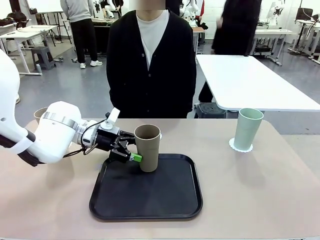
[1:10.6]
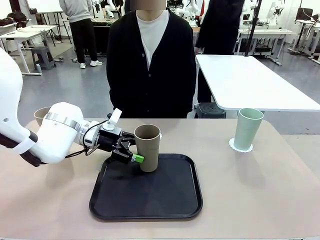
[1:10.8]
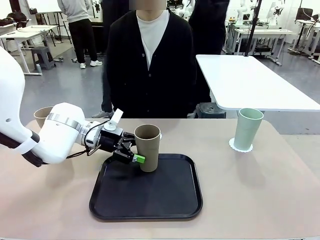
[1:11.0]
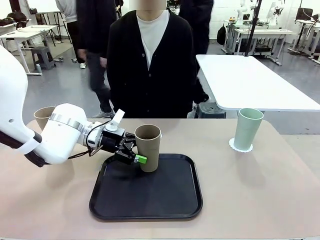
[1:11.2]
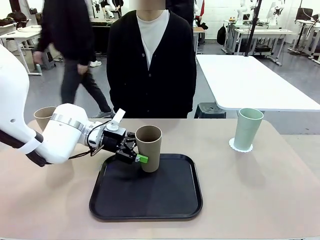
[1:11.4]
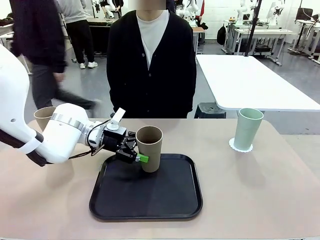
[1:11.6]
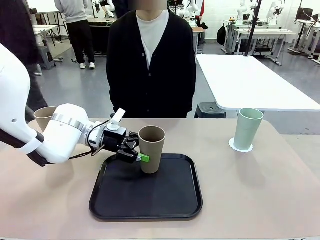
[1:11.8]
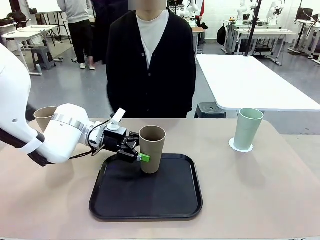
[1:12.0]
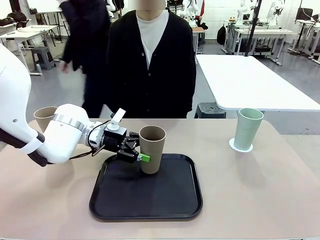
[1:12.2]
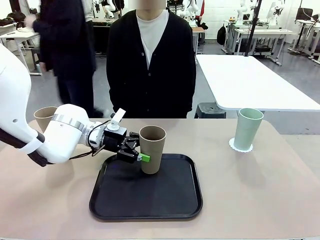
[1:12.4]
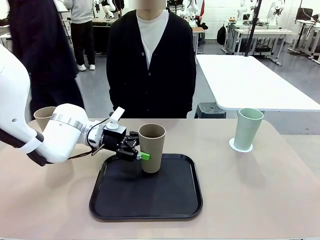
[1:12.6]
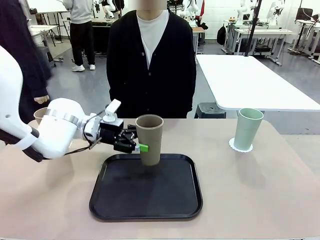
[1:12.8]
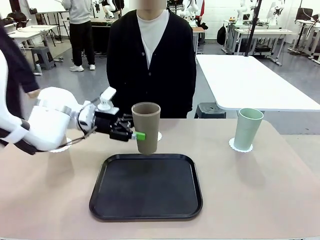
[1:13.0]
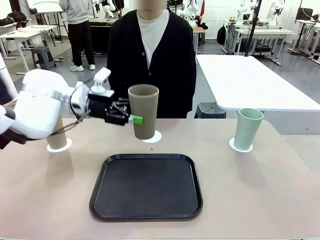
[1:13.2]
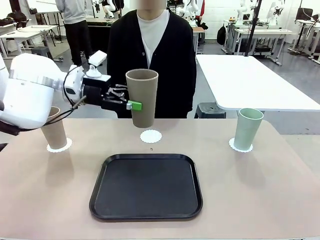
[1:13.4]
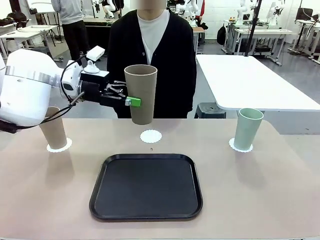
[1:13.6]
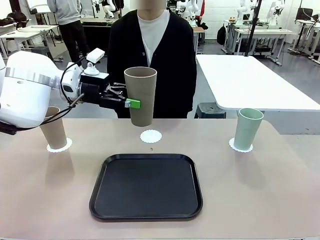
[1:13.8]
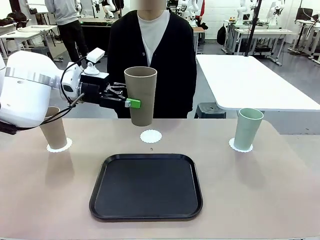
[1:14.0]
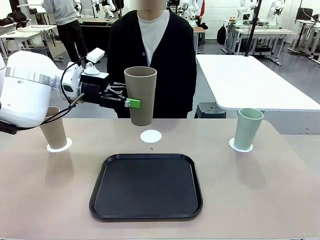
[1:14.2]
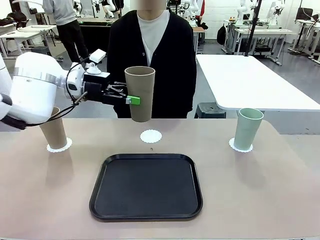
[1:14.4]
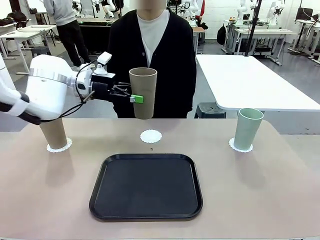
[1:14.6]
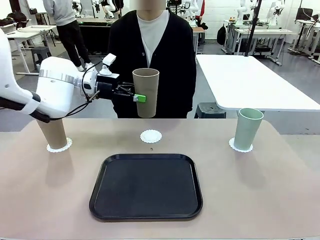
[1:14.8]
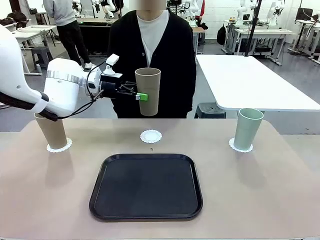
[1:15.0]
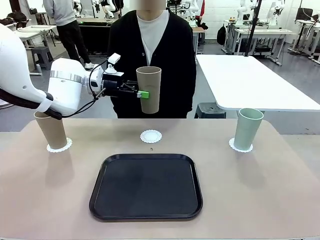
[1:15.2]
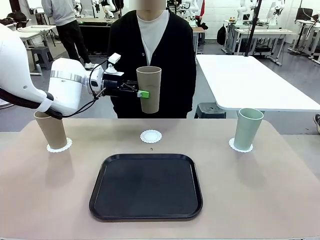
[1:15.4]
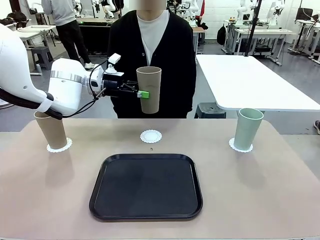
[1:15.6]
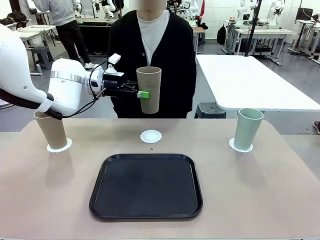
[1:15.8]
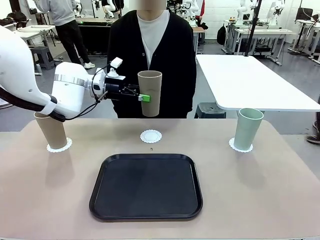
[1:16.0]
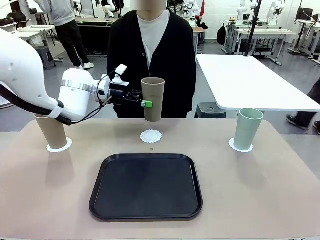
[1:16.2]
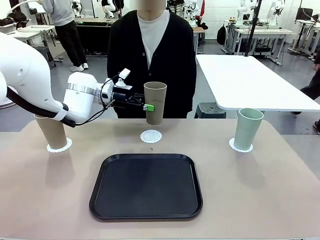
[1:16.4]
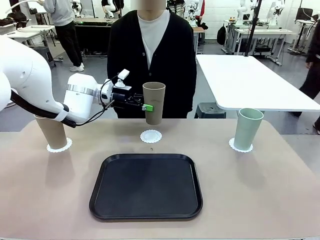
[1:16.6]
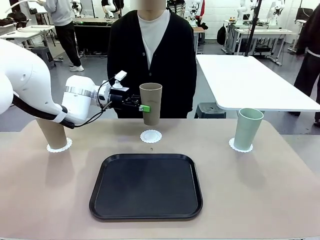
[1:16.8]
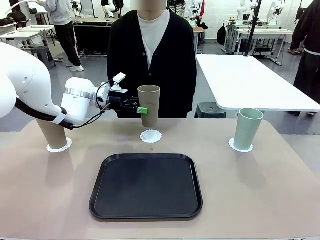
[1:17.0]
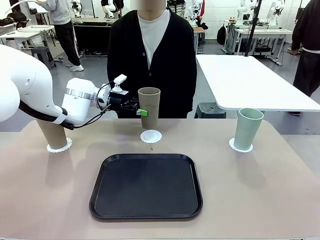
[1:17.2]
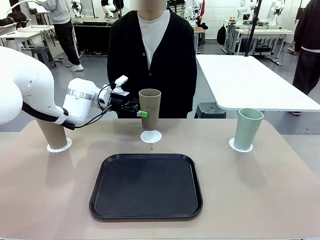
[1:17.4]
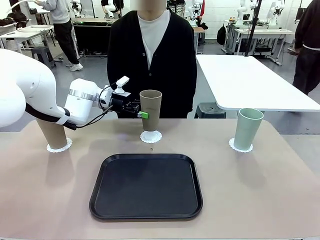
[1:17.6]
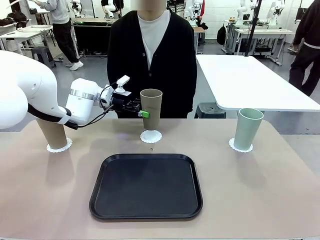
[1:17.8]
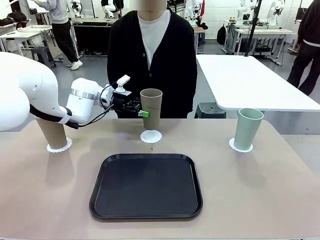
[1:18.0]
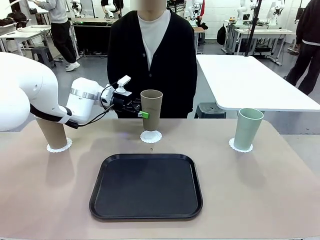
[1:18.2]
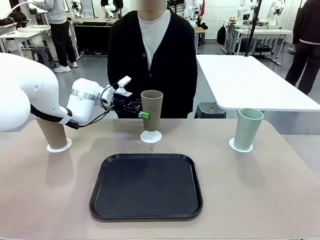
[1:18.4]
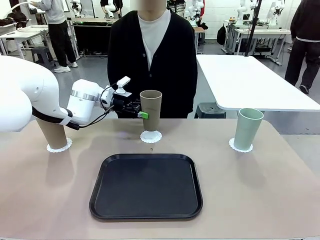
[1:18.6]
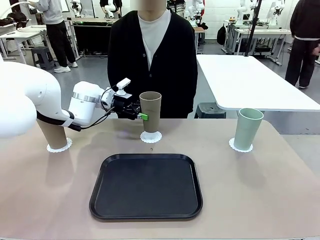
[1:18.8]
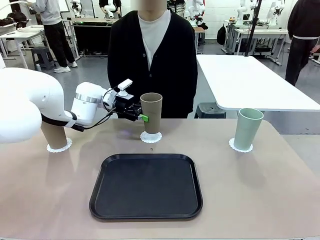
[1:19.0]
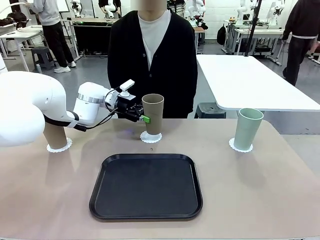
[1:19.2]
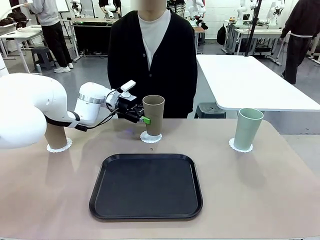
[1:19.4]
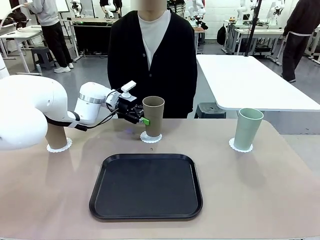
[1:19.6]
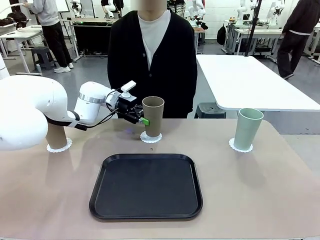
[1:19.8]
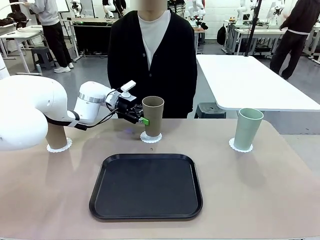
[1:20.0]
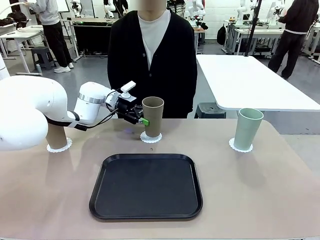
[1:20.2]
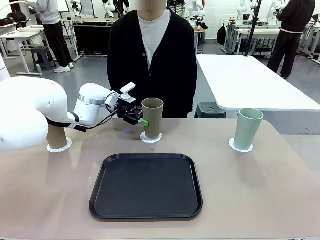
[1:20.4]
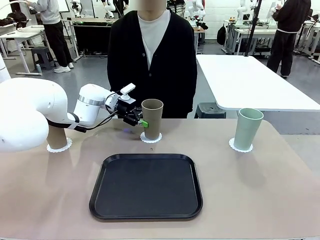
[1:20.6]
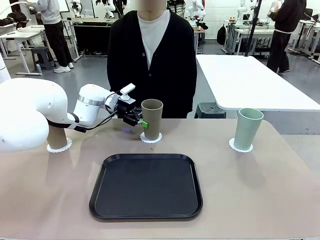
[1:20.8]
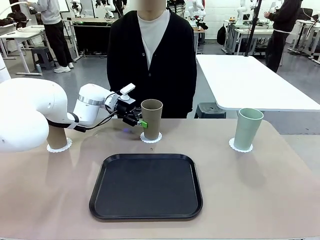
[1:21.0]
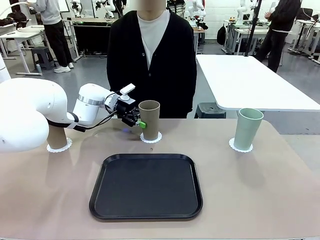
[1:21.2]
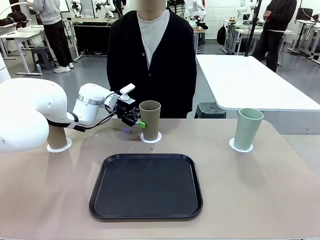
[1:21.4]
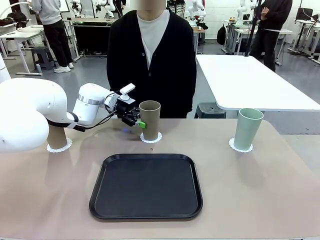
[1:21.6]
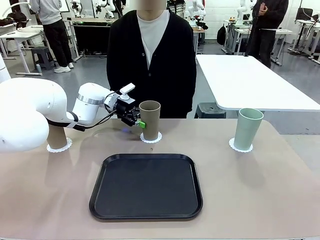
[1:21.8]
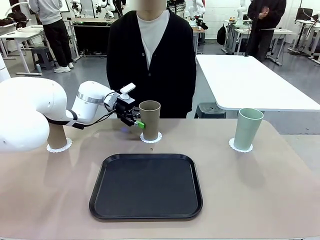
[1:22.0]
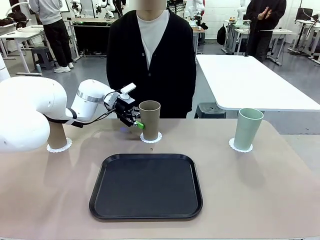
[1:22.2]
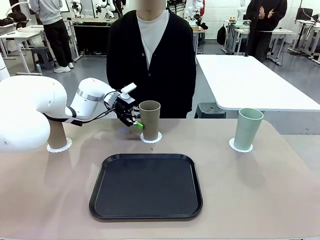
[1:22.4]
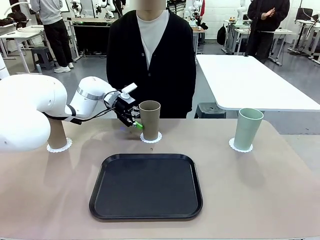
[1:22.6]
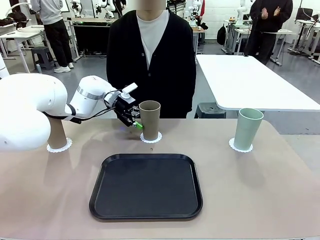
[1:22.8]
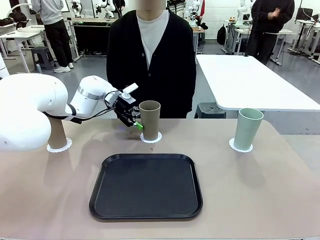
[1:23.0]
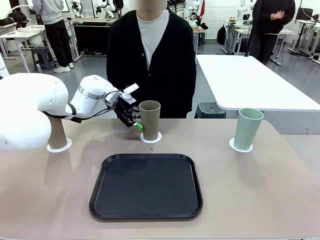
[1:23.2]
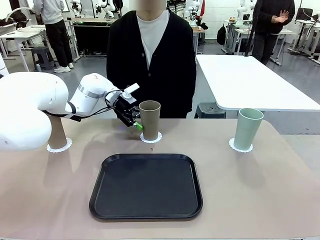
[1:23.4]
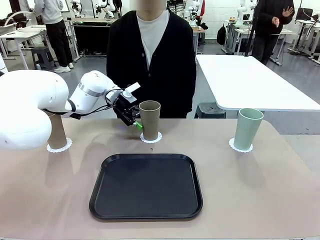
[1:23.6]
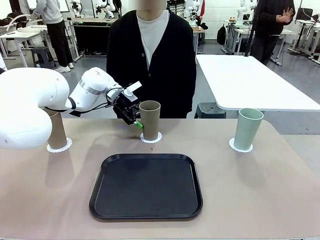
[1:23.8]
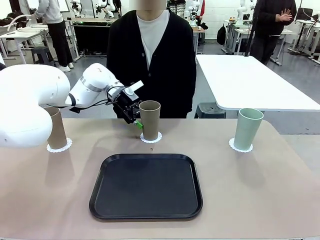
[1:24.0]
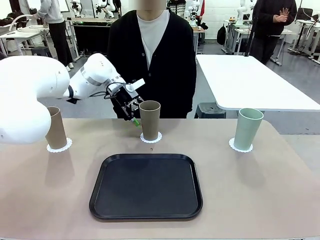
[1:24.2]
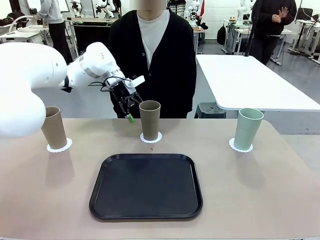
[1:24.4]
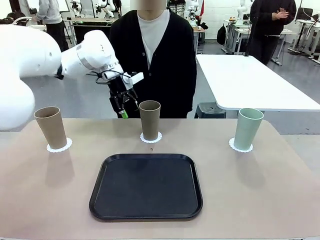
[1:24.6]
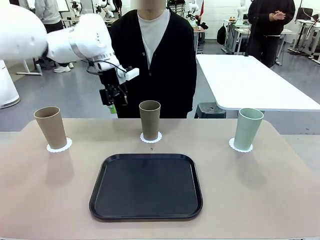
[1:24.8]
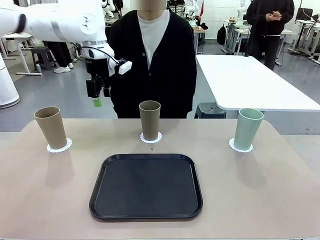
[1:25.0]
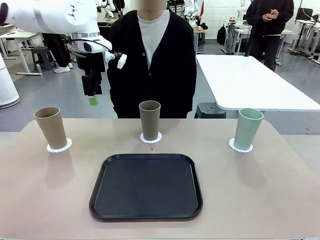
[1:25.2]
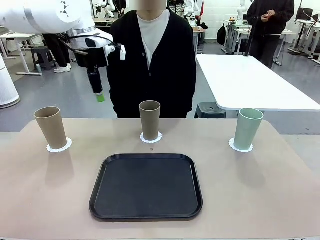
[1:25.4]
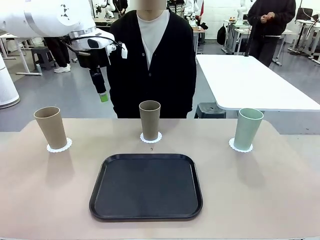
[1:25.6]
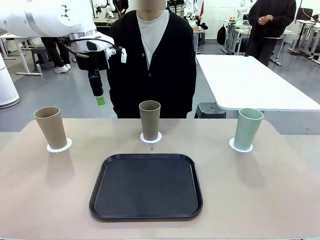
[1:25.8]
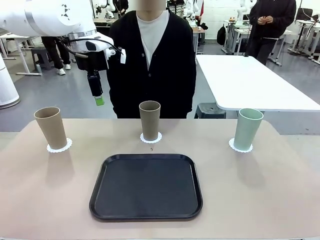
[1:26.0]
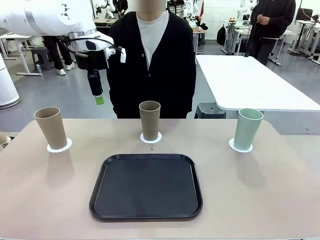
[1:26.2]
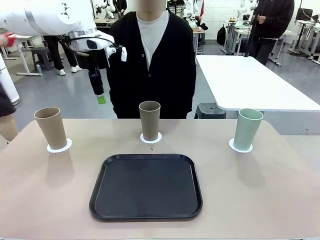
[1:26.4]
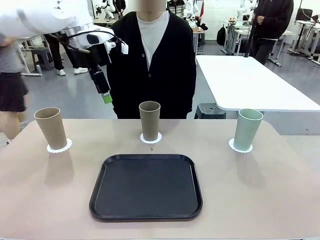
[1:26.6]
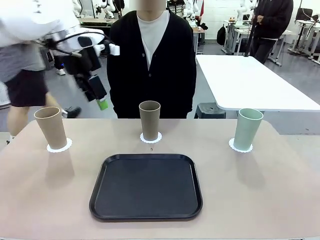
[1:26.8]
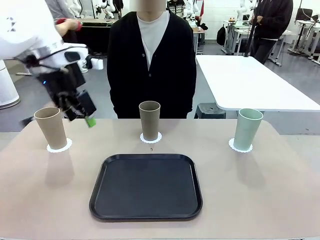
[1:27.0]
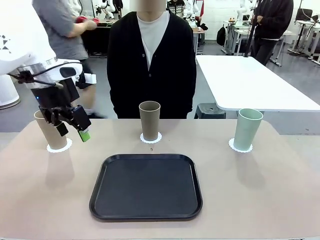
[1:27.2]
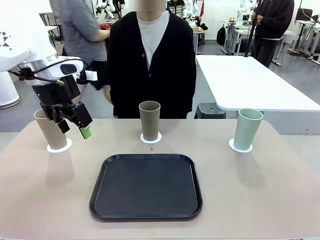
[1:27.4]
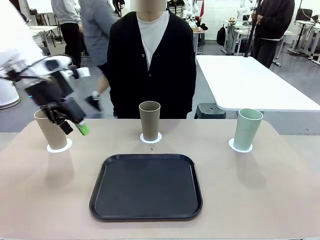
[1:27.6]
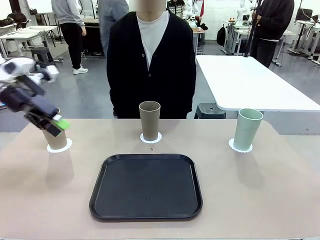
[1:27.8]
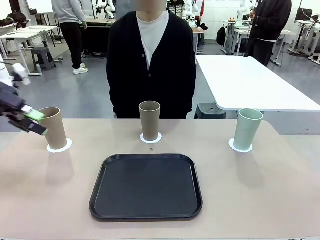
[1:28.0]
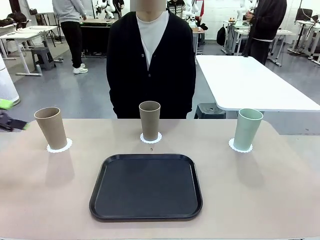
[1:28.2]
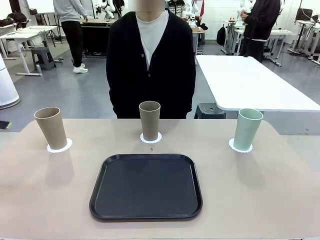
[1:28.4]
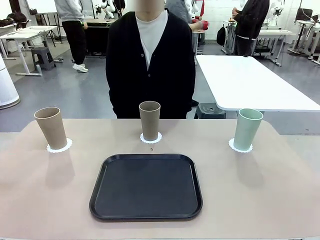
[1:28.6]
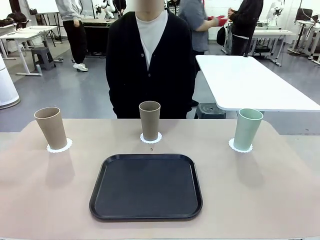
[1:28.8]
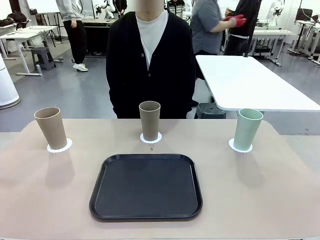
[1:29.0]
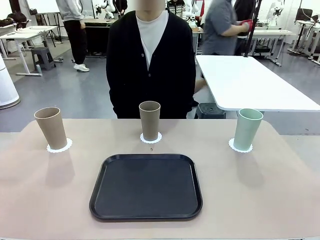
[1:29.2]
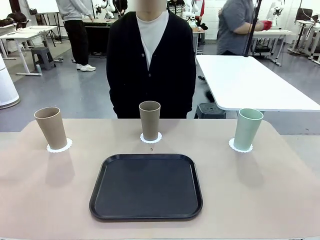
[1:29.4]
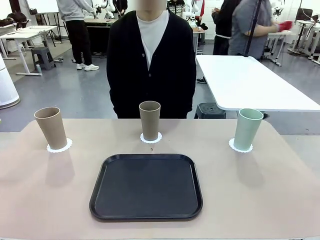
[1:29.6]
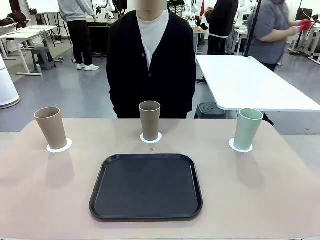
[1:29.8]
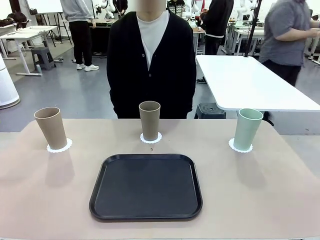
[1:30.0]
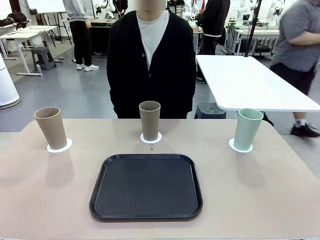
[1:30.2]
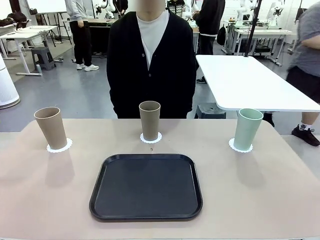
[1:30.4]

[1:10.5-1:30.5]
Task: Place coasters on the table and set cups on them.
Robot: Take one Reusable plastic cup from the Flat Tray and place it on a coaster set by the human.
